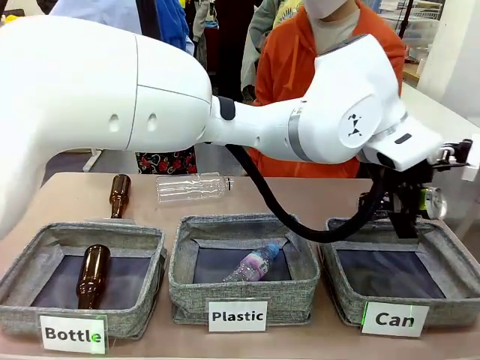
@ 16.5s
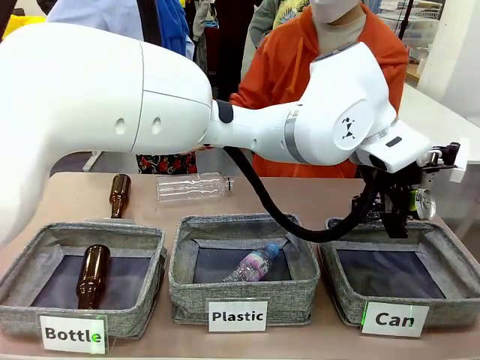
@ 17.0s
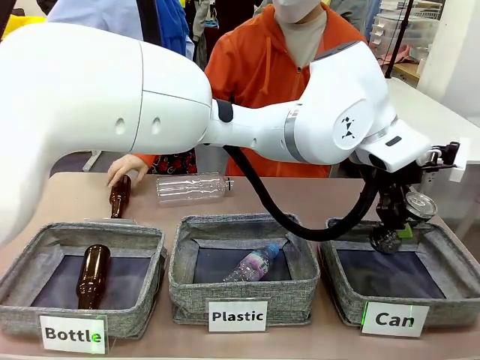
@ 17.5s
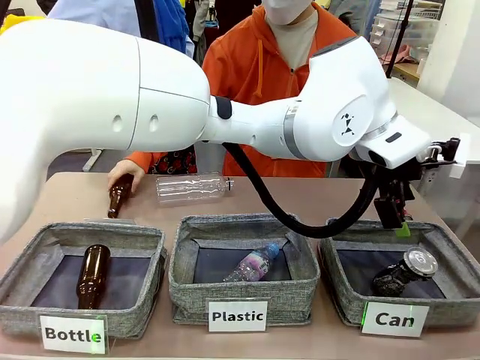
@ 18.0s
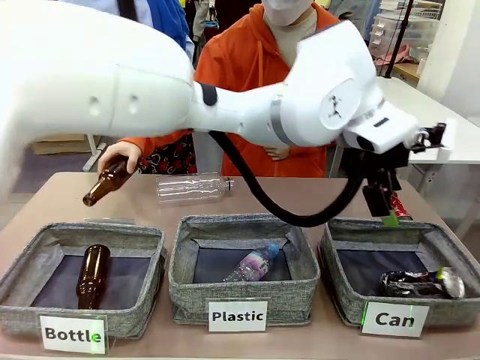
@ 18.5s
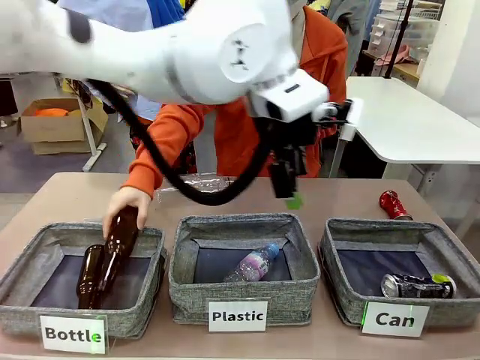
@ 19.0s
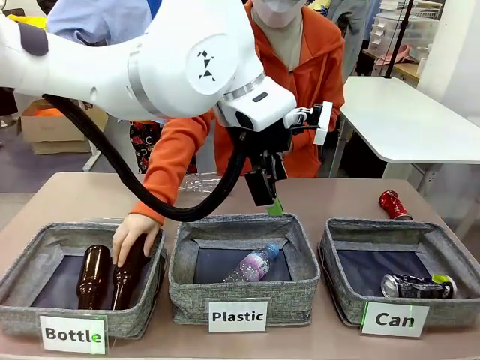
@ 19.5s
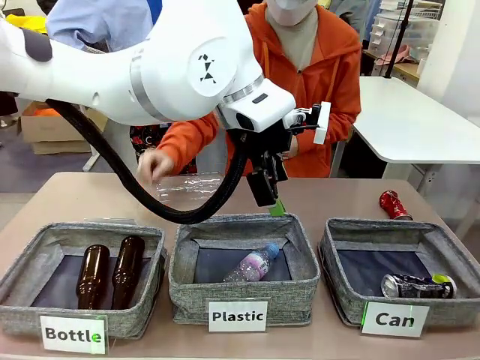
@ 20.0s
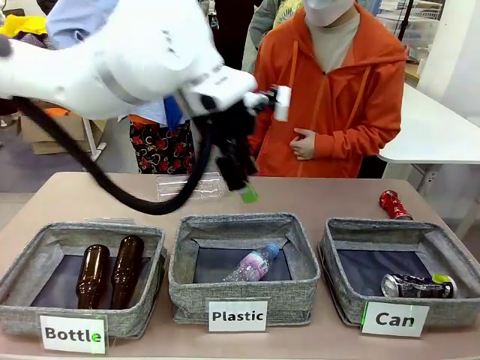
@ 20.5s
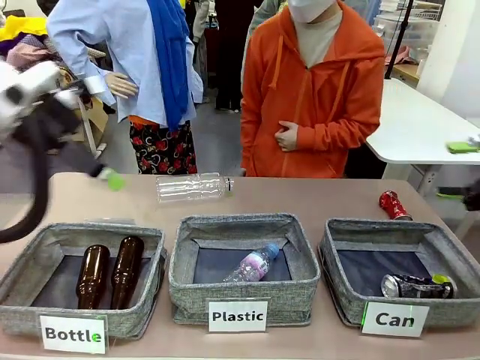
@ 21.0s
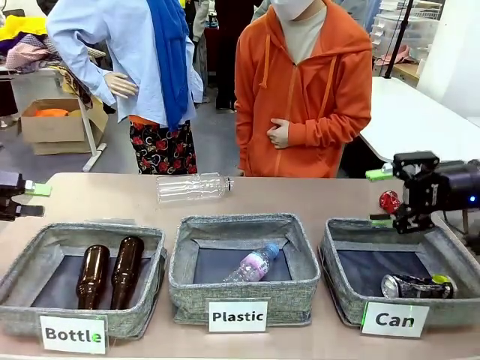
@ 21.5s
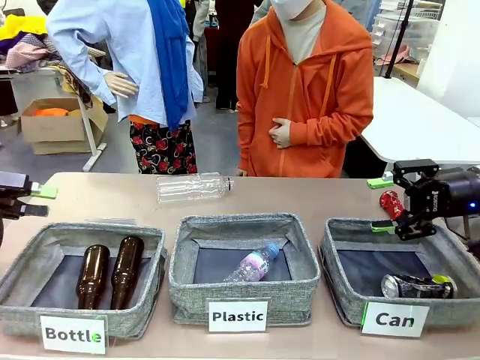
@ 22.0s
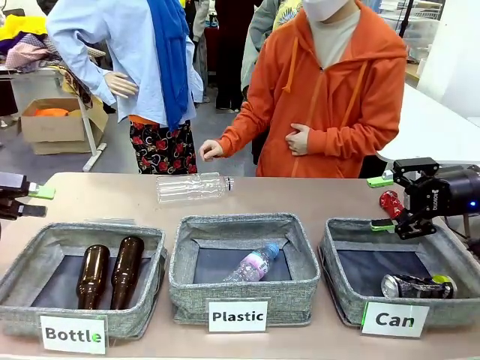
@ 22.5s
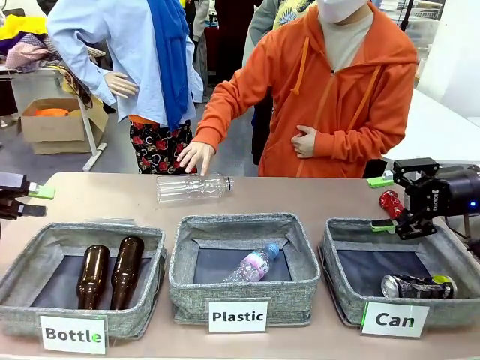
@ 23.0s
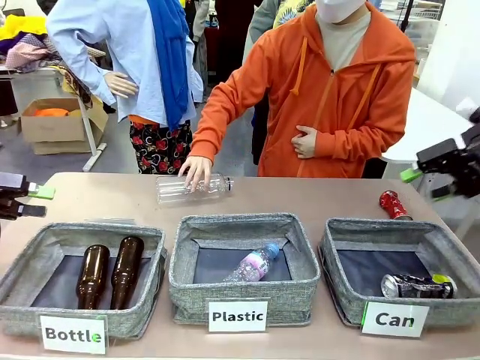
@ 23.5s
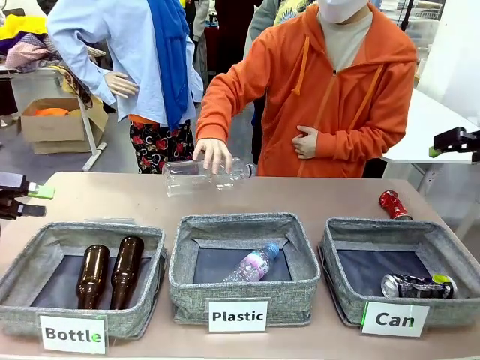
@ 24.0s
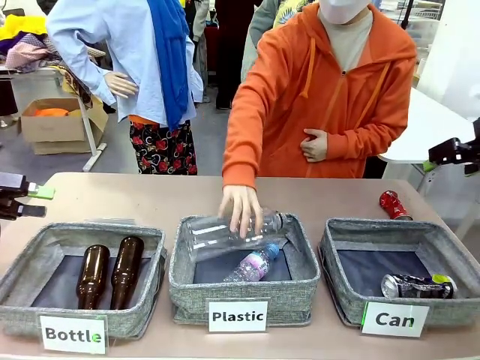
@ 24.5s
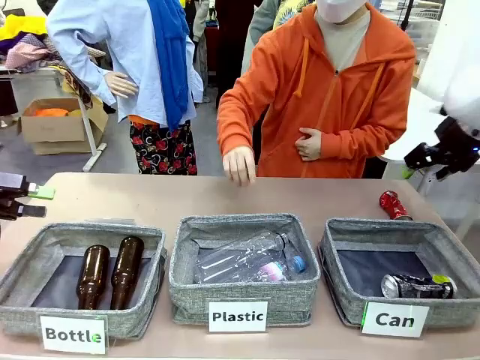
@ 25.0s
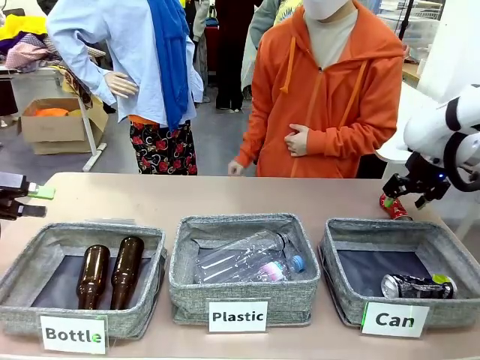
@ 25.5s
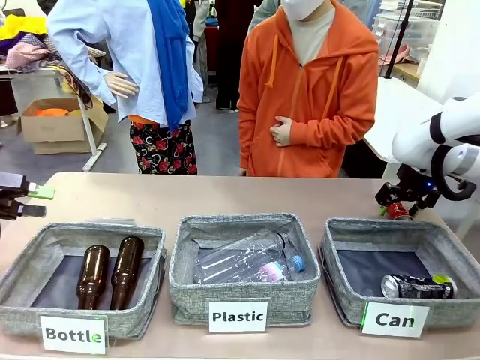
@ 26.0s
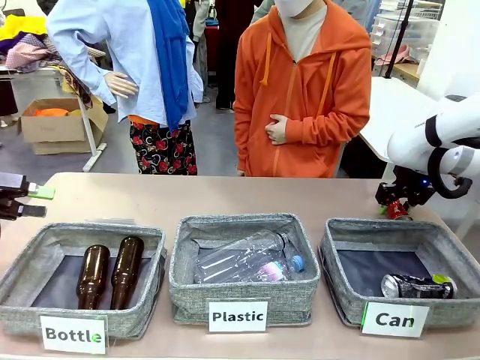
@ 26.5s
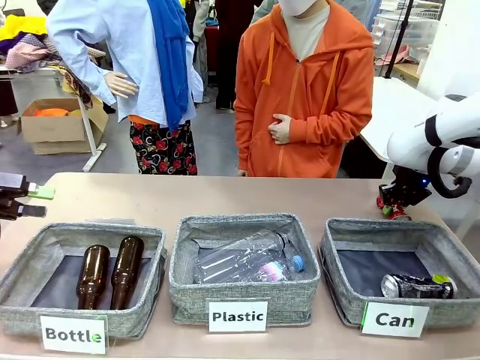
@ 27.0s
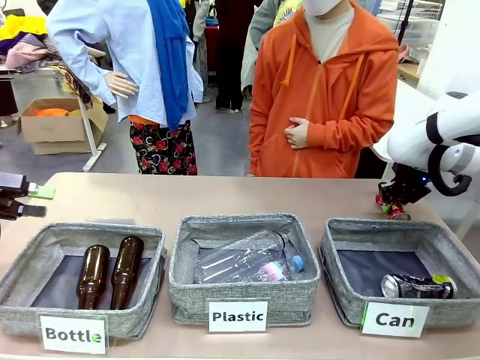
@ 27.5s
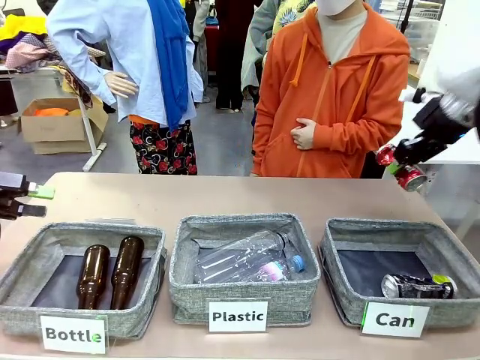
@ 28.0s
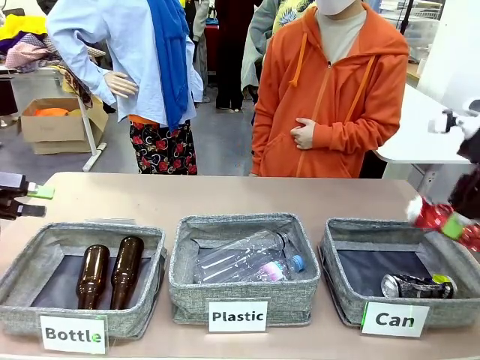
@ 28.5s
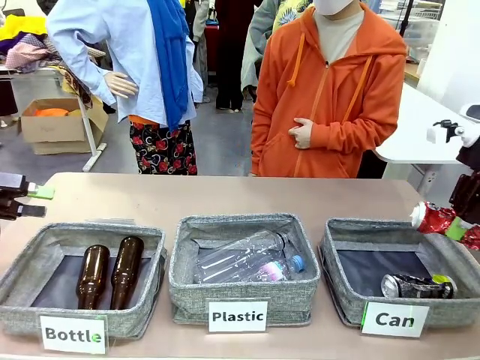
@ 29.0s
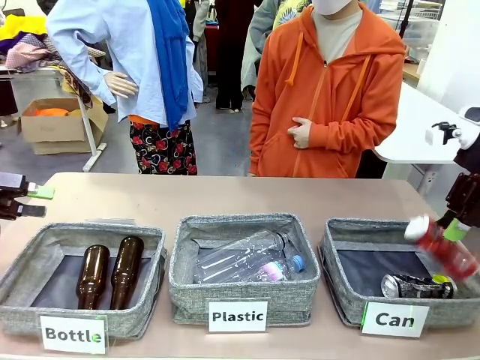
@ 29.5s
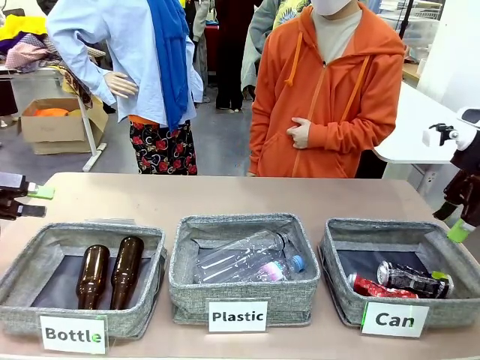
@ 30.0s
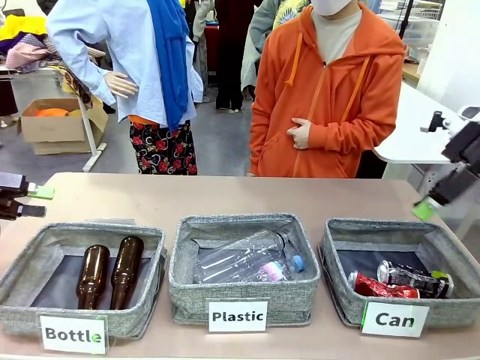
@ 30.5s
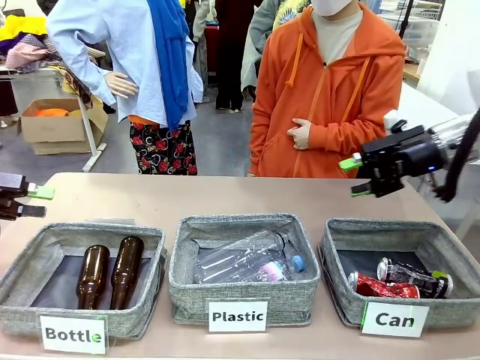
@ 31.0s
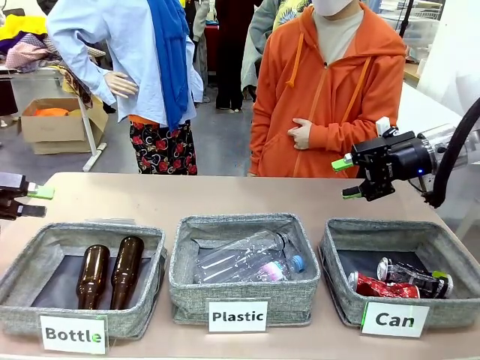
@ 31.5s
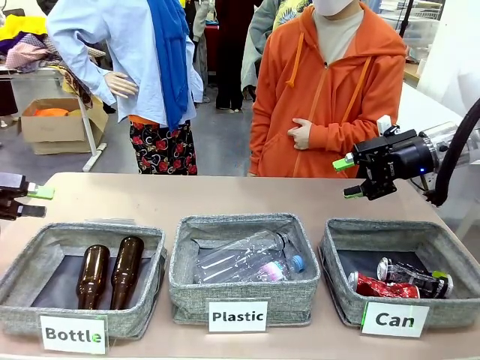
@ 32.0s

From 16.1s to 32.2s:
Task: Sort the can waste into the basket.
Robot: Pick up the can waste from the table and place it in the right Fabric basket.

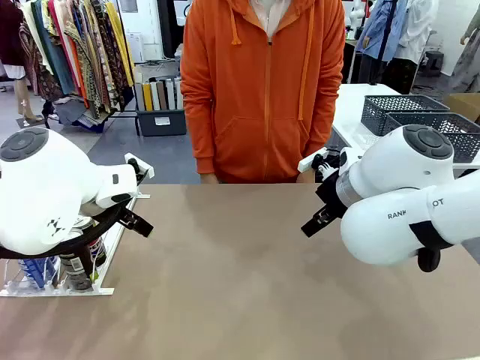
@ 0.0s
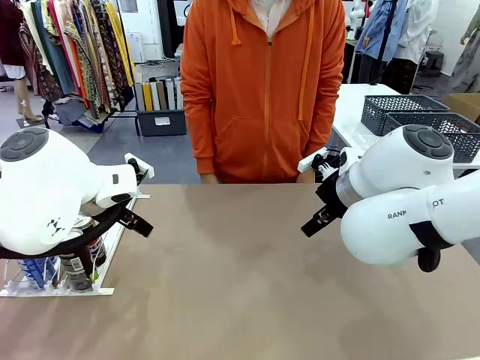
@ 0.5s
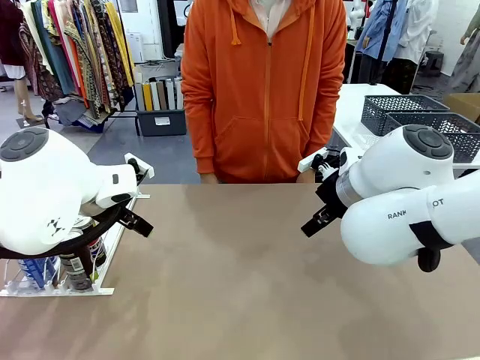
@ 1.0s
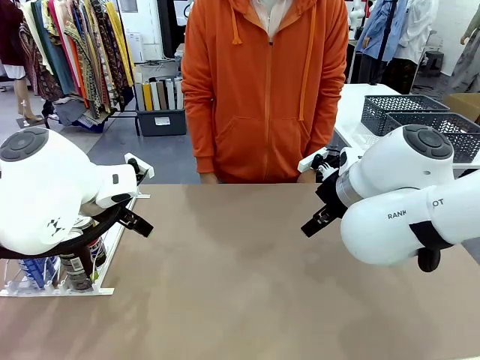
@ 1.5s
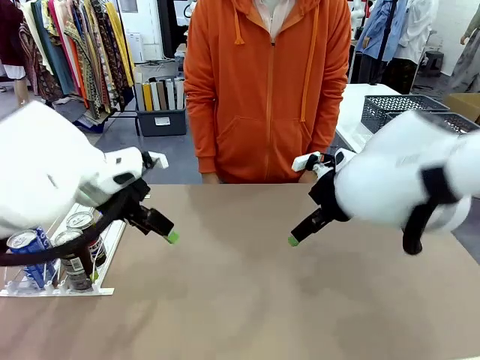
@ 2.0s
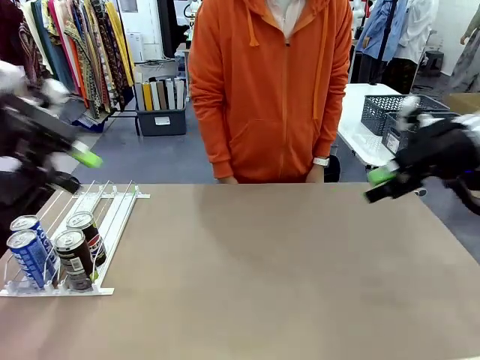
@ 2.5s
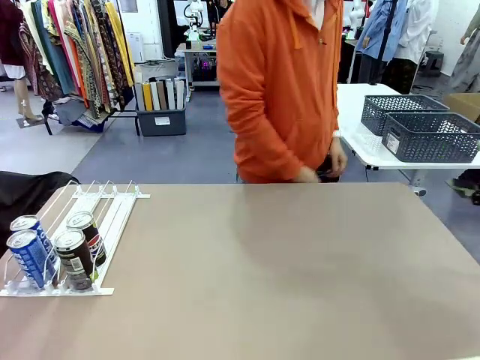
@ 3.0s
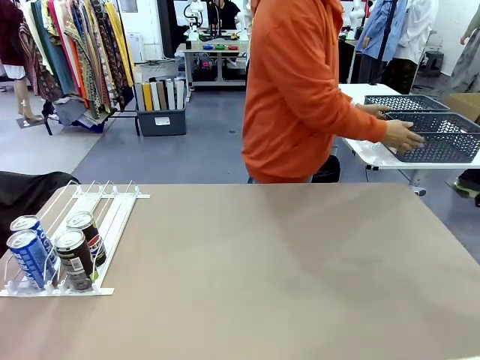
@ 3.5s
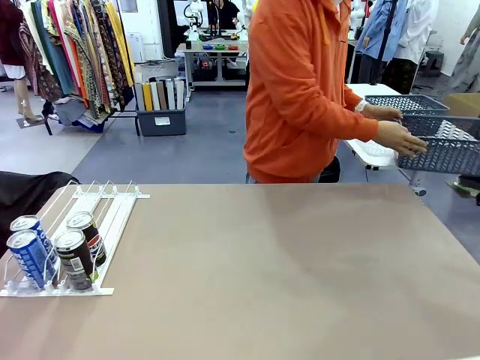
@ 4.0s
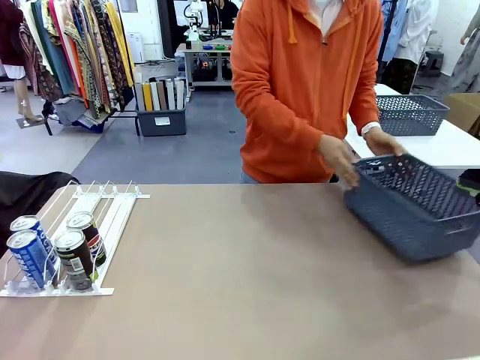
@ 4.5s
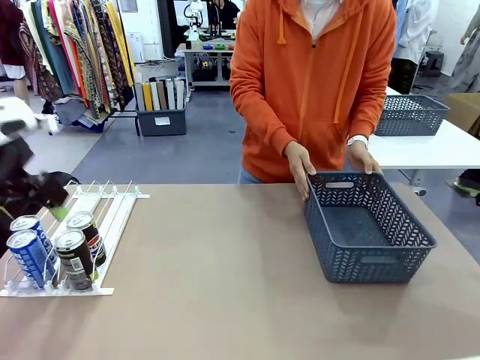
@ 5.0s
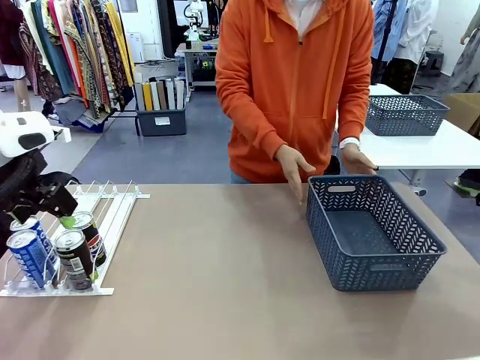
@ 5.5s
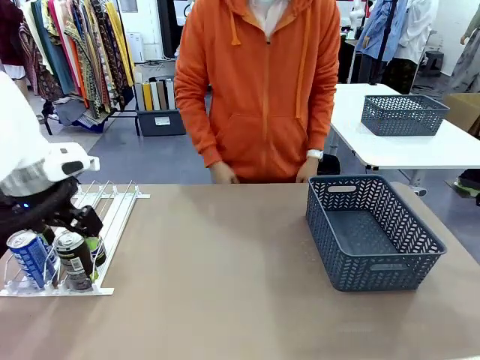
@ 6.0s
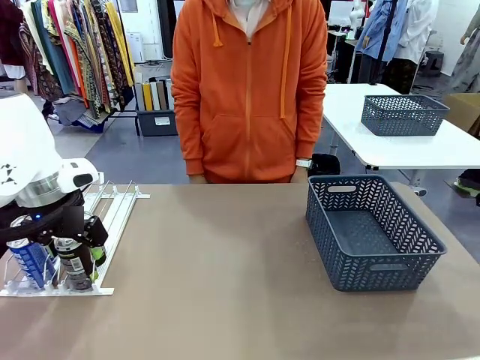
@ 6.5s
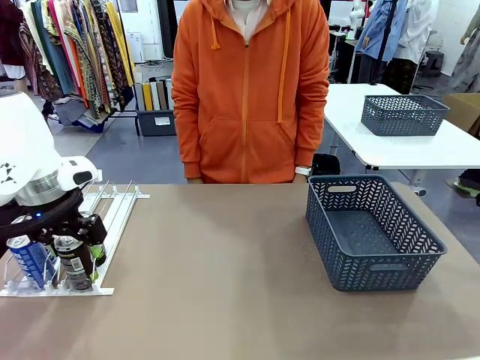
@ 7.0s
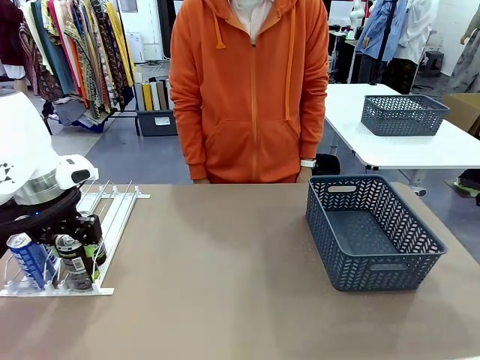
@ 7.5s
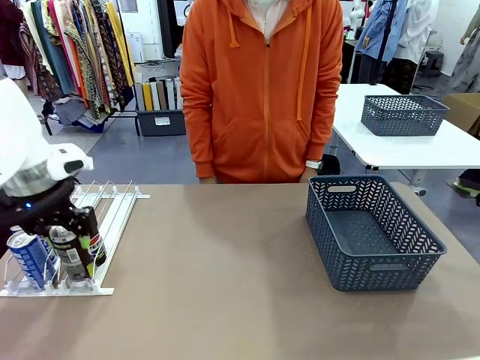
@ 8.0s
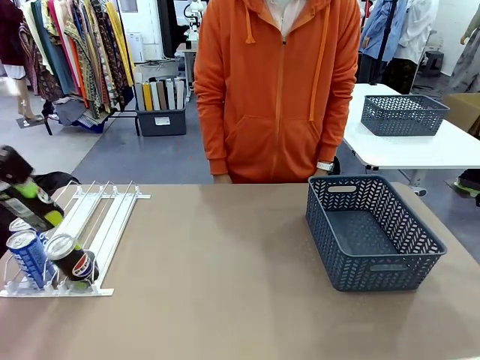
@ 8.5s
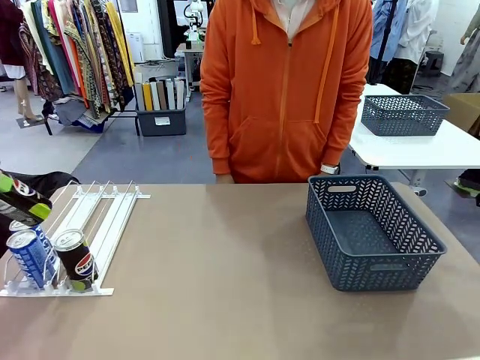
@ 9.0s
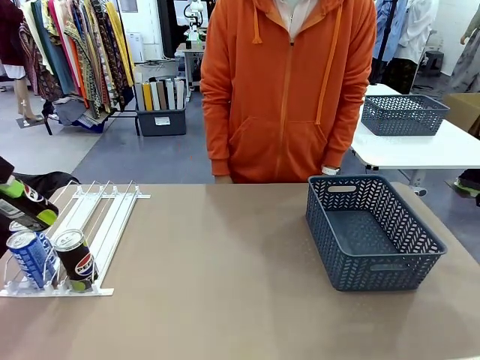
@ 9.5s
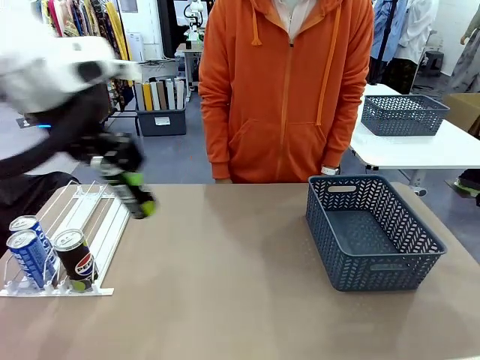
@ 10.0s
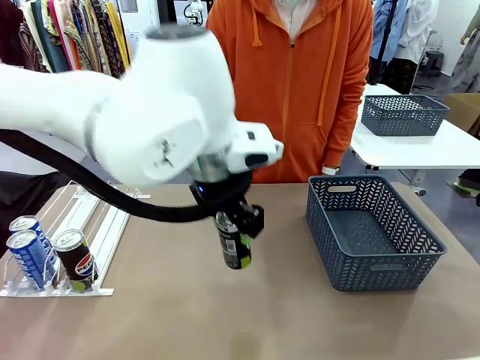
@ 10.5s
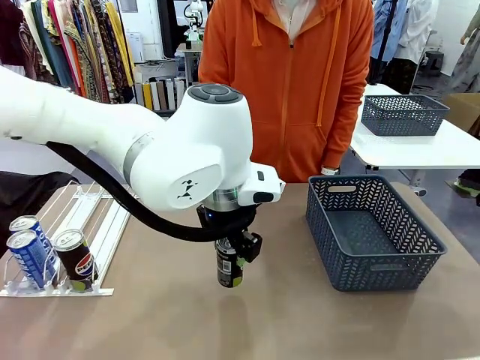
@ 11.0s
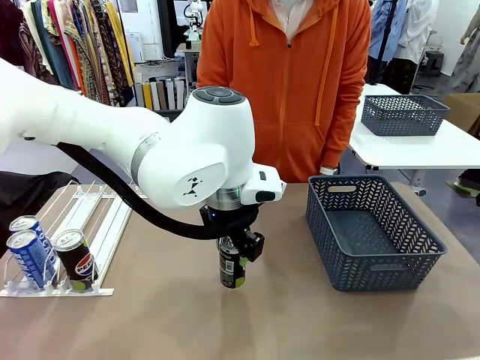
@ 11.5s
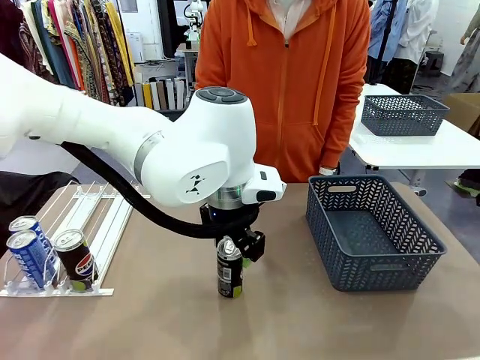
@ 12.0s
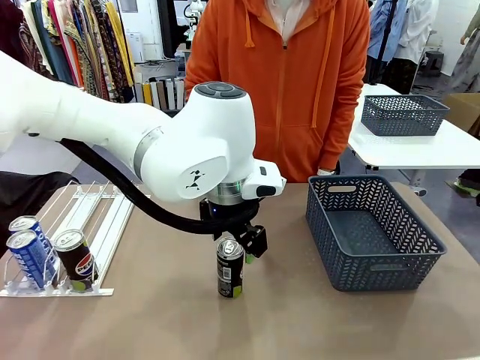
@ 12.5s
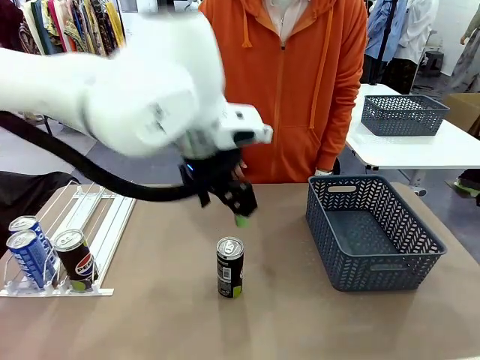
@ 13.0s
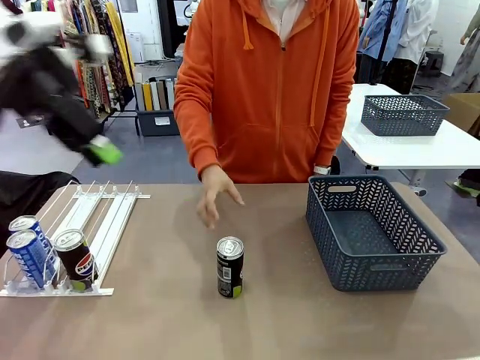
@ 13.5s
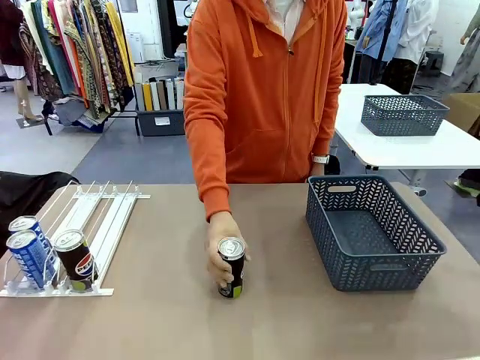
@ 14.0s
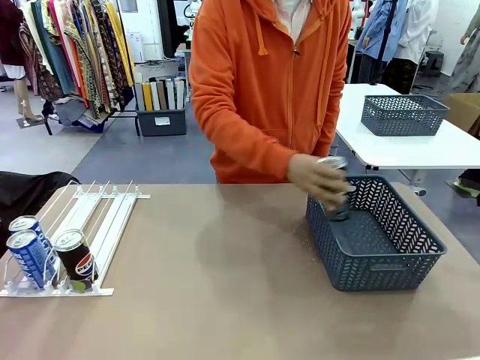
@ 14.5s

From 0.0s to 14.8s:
Task: Retrieve and store the cans from the dispenser.
Robot: Pick up one can from the Automatic Can Dispenser and place it in the middle of the table.
Person: Pick up the basket and place it on the left side of the robot table.
